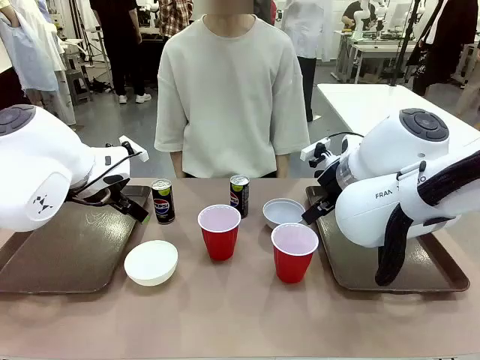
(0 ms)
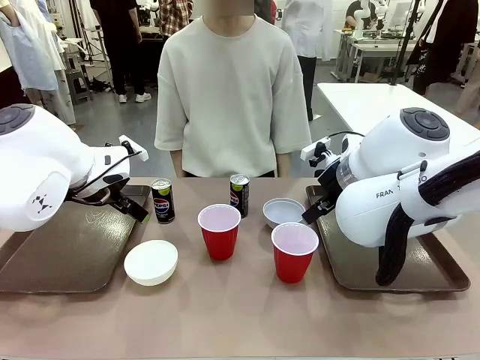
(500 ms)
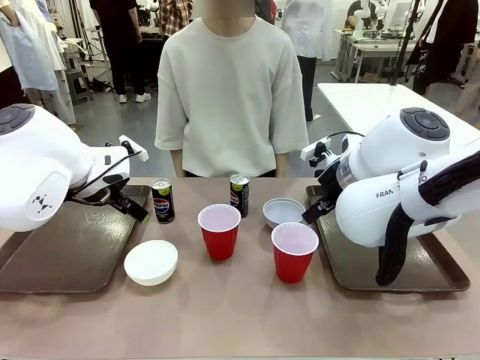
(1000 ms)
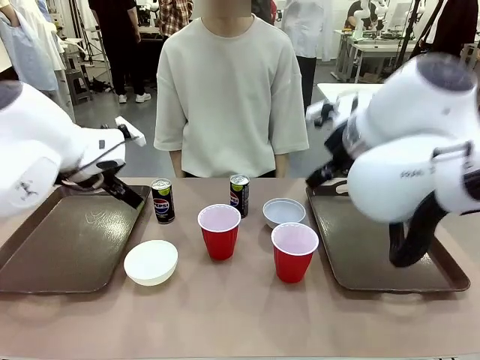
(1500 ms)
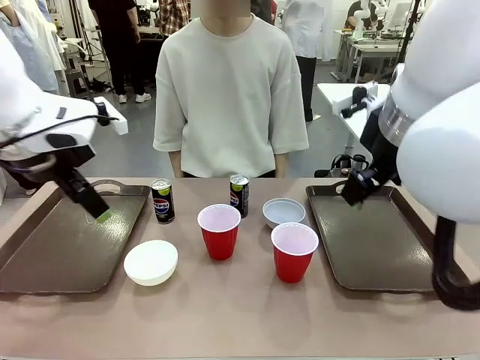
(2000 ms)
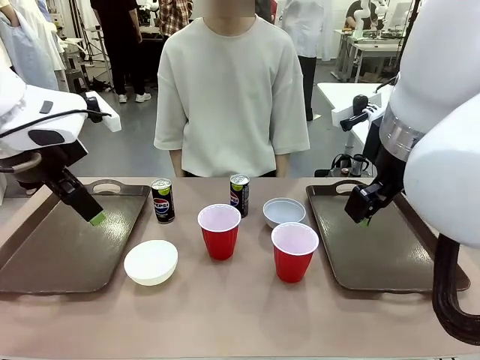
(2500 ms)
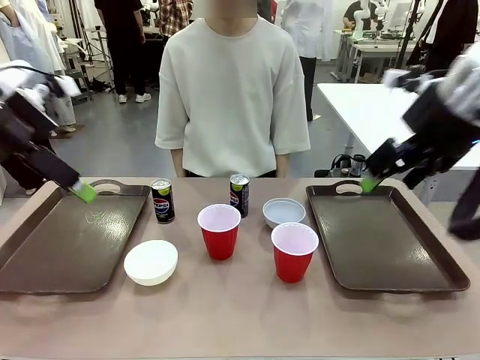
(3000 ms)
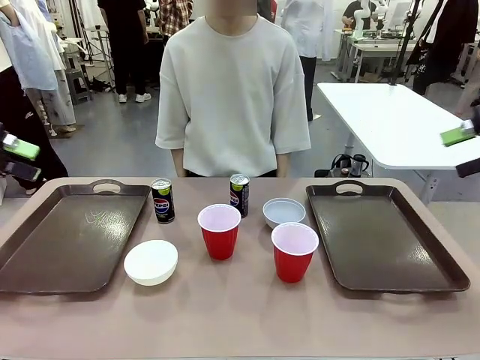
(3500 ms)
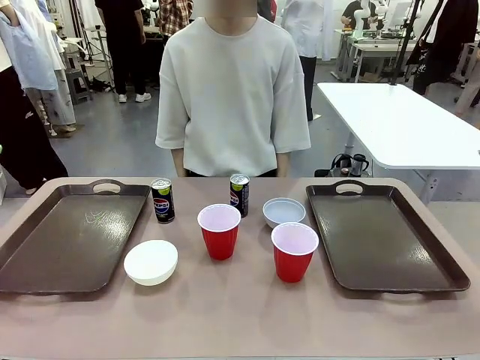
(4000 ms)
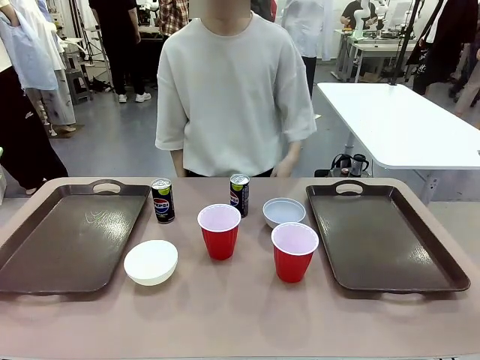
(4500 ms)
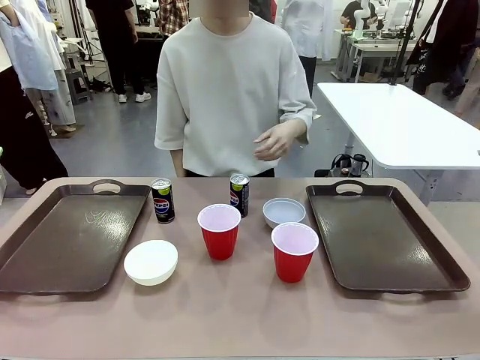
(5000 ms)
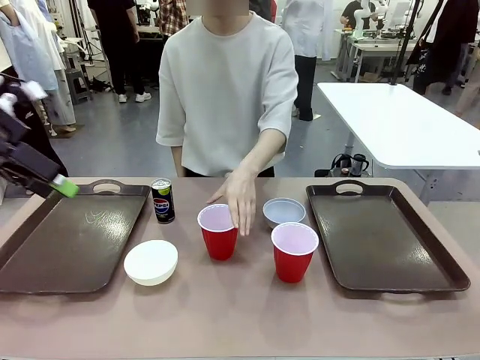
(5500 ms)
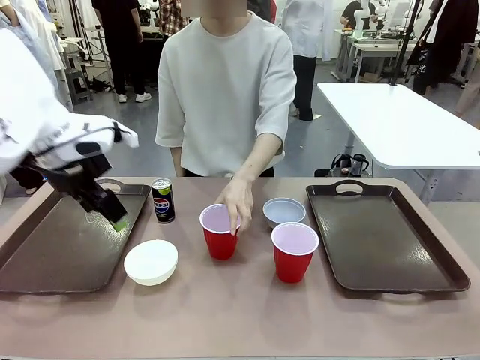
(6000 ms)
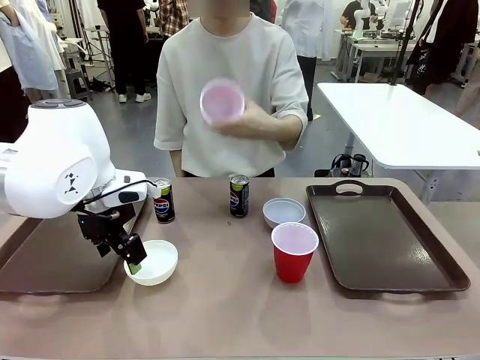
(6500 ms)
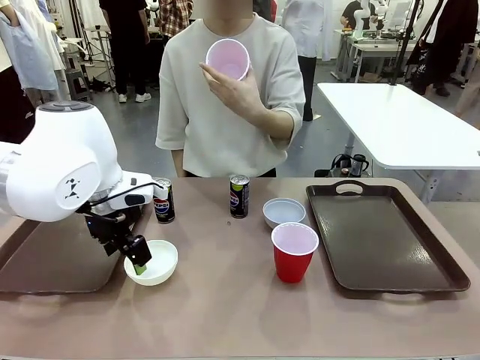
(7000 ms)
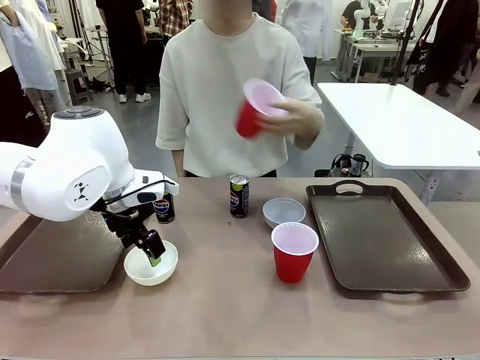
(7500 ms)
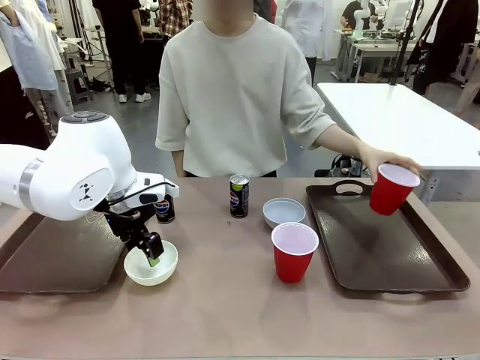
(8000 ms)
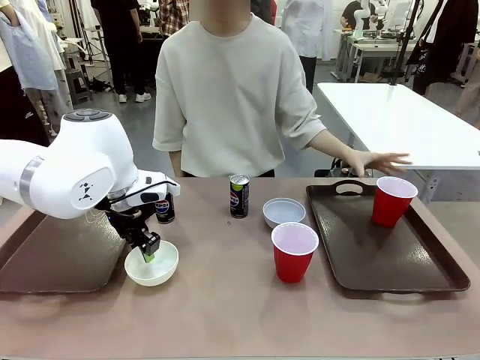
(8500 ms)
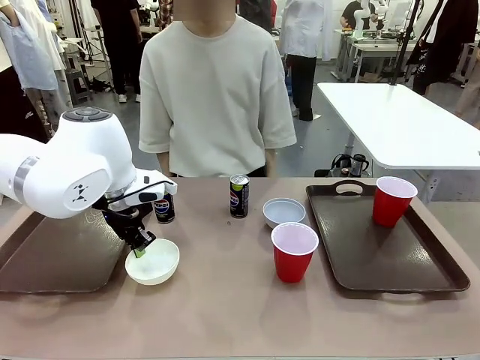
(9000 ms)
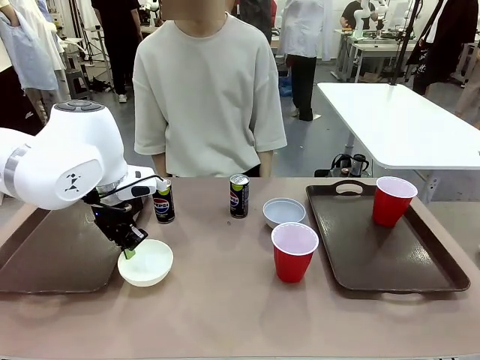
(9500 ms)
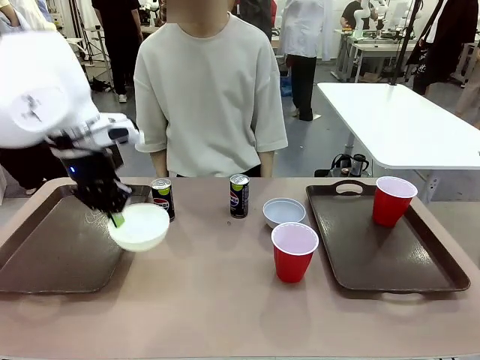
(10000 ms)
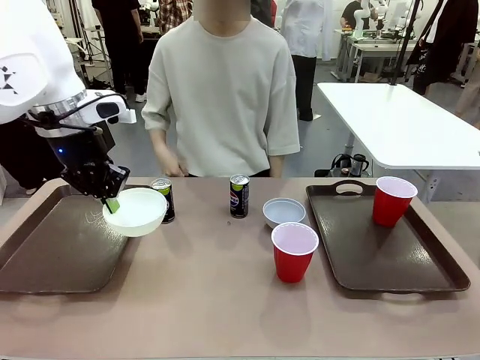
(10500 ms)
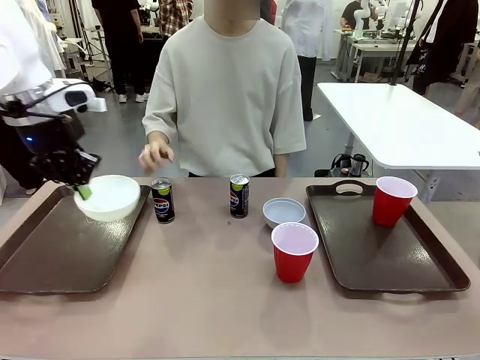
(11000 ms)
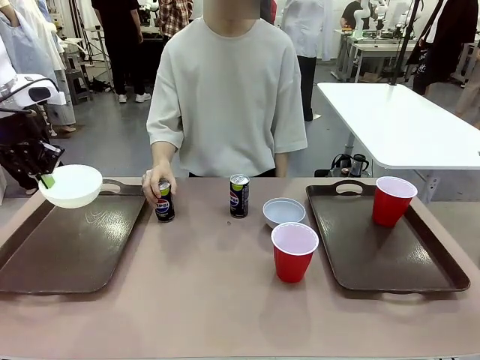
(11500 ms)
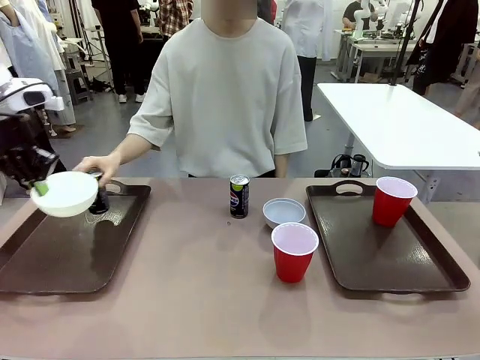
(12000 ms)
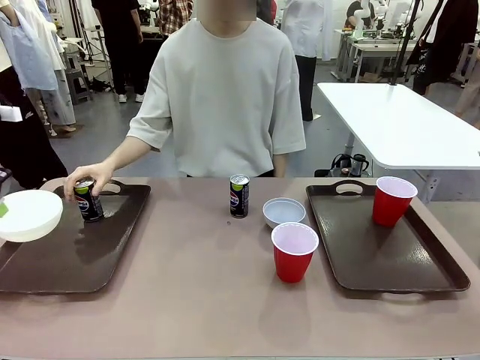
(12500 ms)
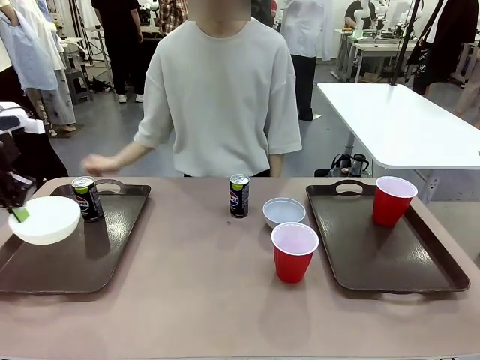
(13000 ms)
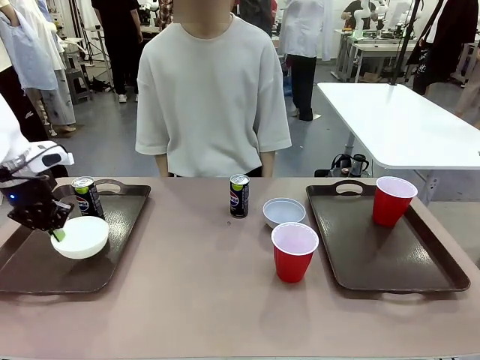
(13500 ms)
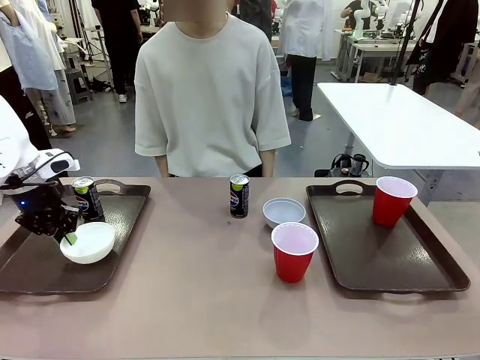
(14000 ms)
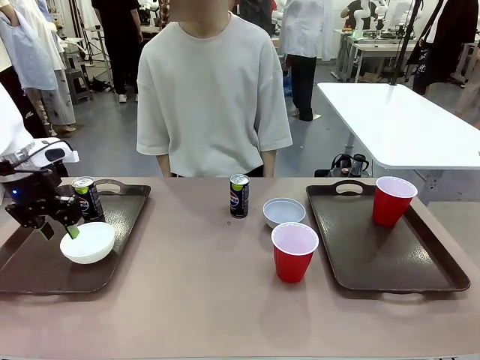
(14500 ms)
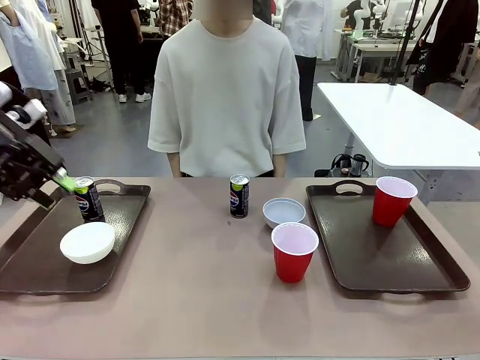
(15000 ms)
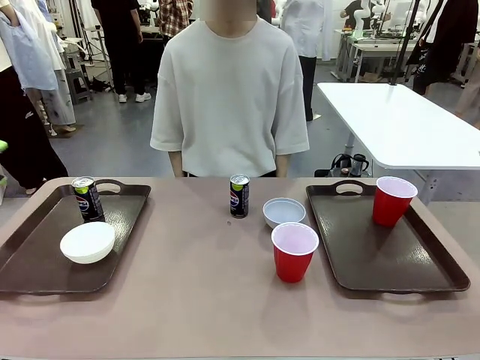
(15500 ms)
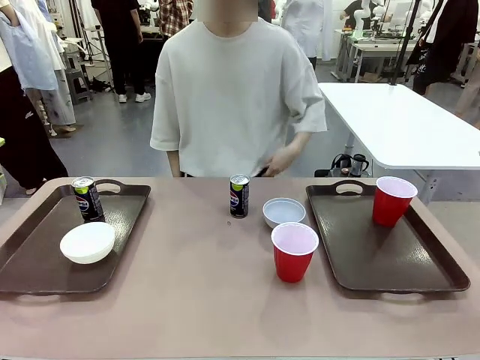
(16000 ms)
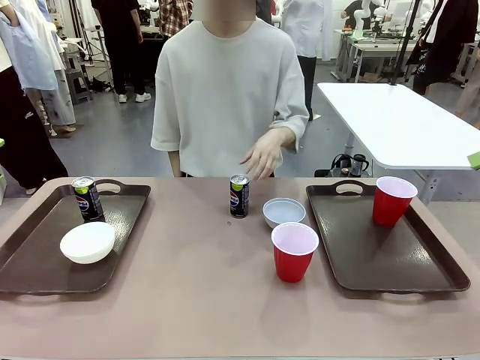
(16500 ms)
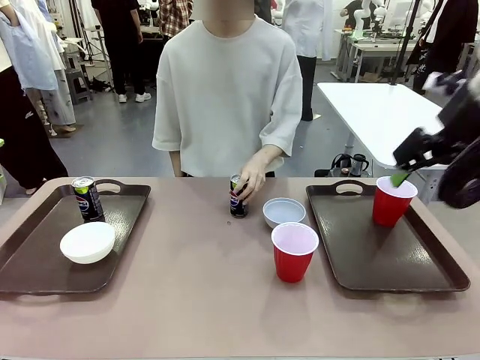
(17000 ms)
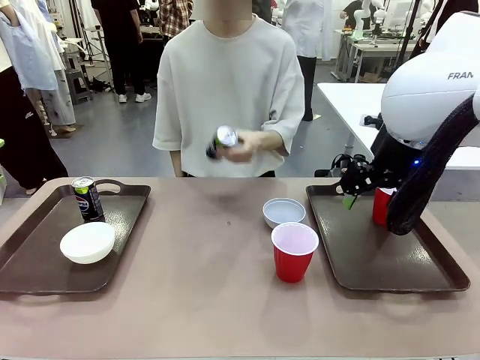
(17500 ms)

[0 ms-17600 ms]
Task: Prepare tableware on both trays.
Robot: Pick up a Picnic Bowl from the table and place it on a Handle tray.
Person: Pick up a can or cup and place it on the tray.
